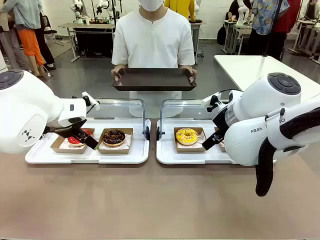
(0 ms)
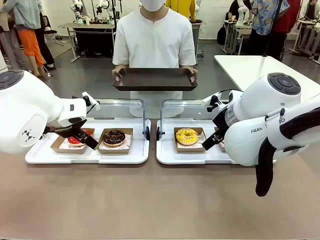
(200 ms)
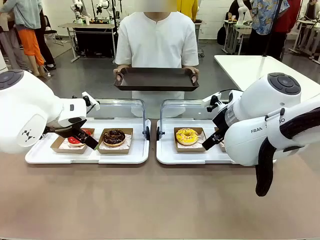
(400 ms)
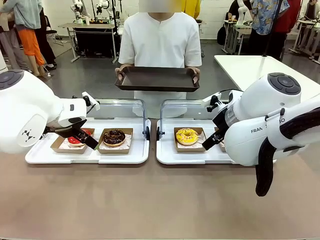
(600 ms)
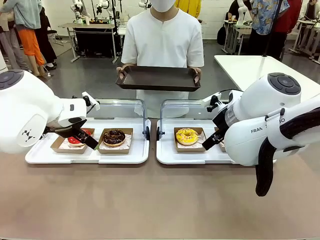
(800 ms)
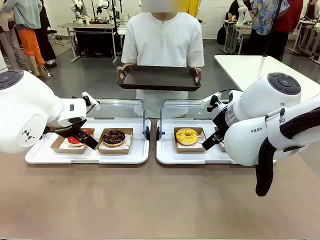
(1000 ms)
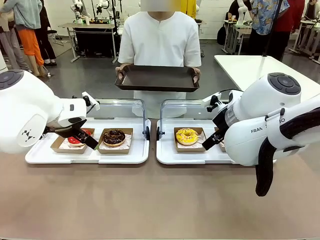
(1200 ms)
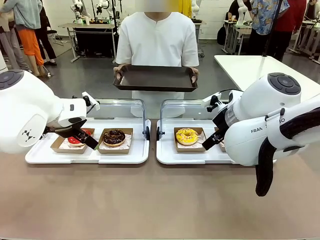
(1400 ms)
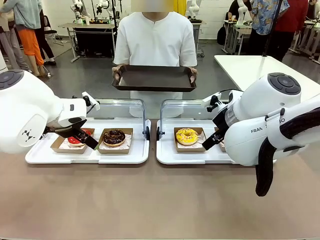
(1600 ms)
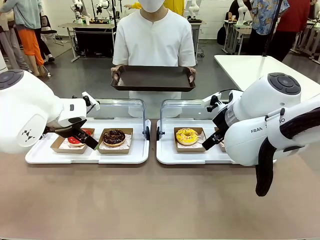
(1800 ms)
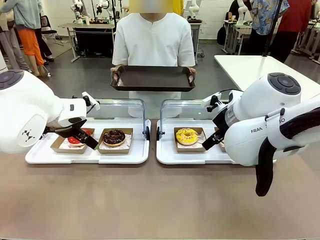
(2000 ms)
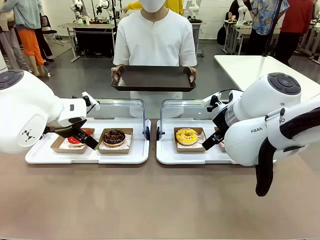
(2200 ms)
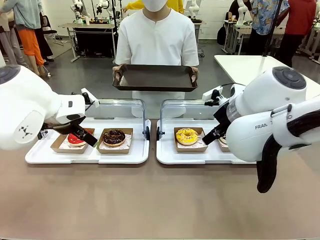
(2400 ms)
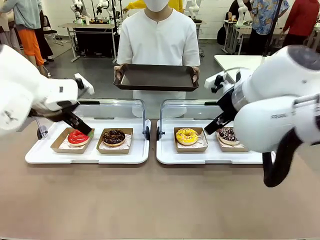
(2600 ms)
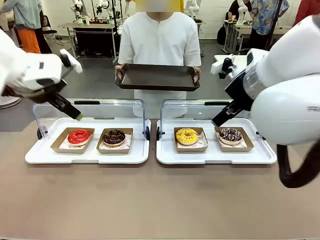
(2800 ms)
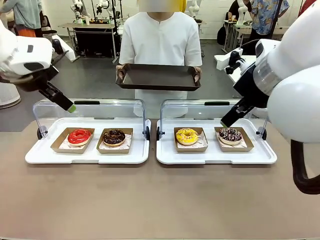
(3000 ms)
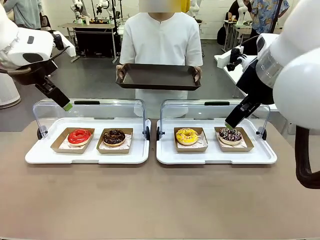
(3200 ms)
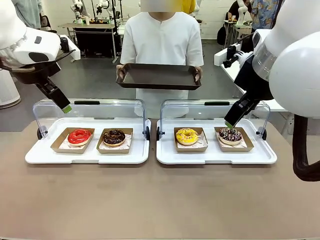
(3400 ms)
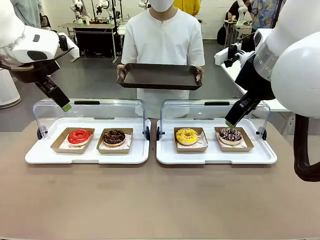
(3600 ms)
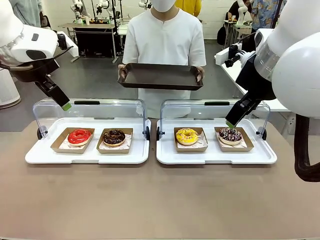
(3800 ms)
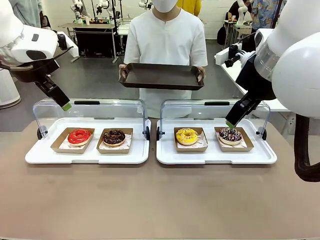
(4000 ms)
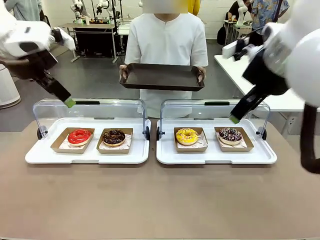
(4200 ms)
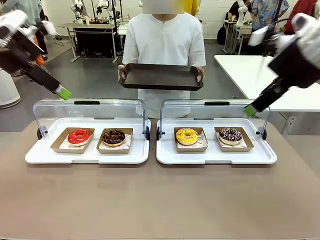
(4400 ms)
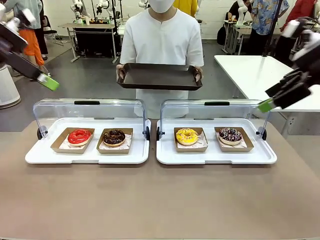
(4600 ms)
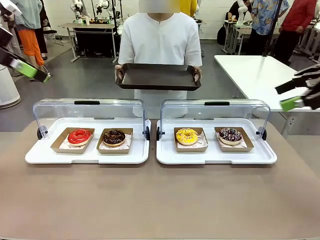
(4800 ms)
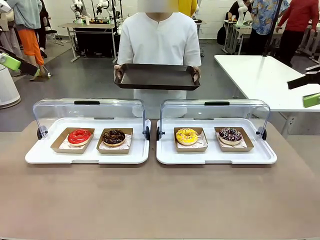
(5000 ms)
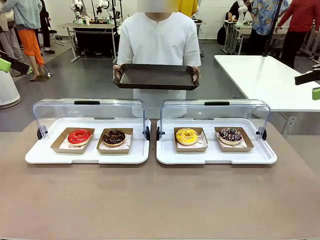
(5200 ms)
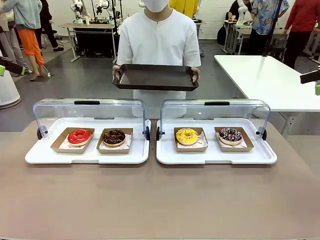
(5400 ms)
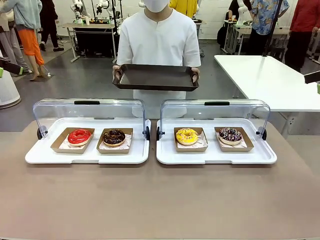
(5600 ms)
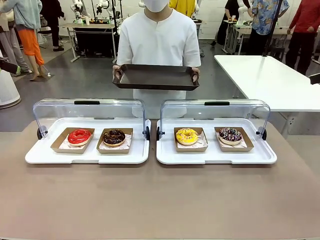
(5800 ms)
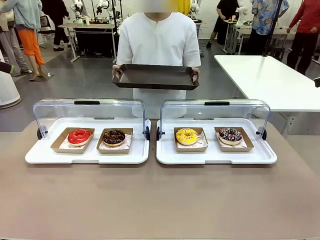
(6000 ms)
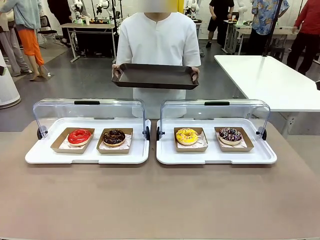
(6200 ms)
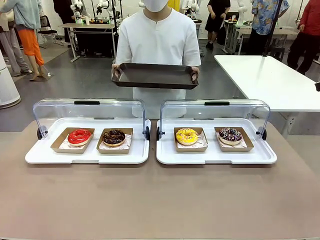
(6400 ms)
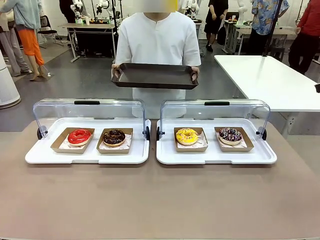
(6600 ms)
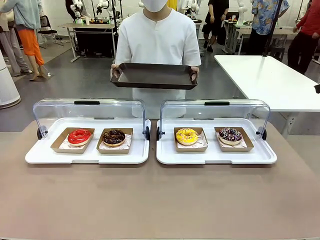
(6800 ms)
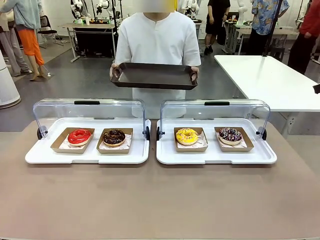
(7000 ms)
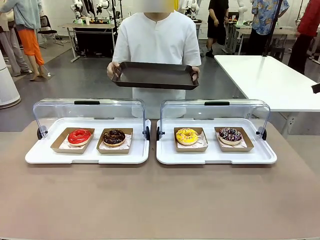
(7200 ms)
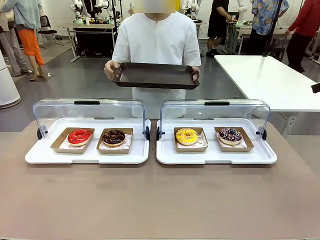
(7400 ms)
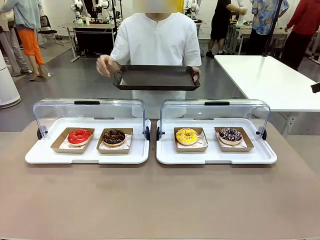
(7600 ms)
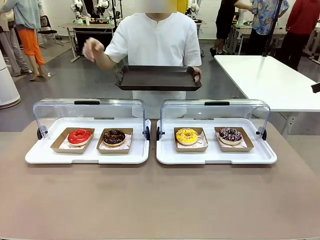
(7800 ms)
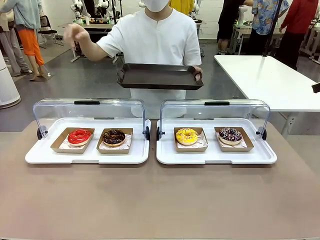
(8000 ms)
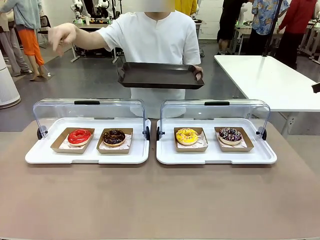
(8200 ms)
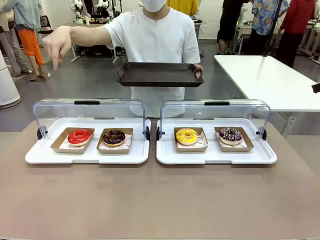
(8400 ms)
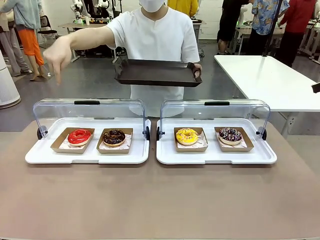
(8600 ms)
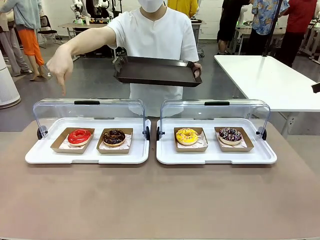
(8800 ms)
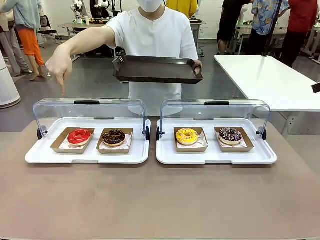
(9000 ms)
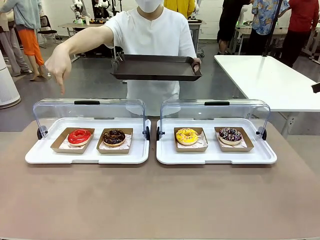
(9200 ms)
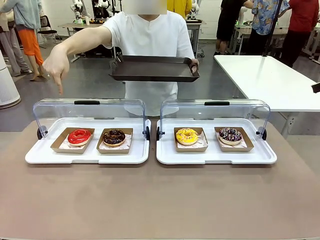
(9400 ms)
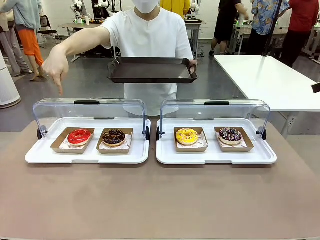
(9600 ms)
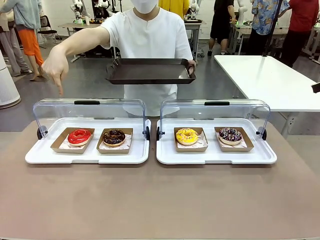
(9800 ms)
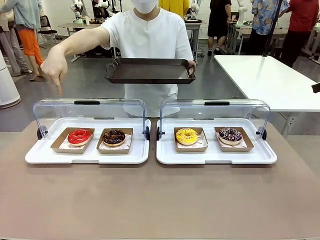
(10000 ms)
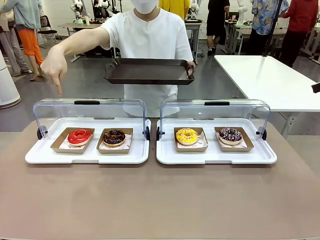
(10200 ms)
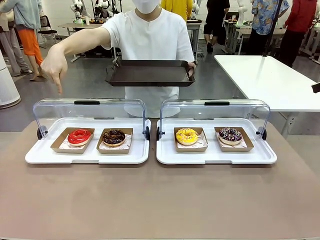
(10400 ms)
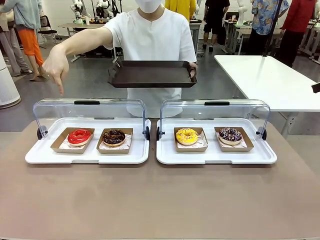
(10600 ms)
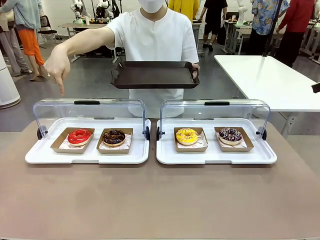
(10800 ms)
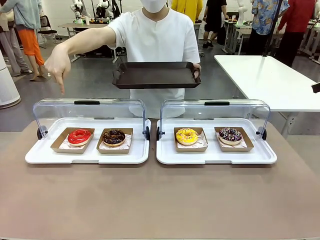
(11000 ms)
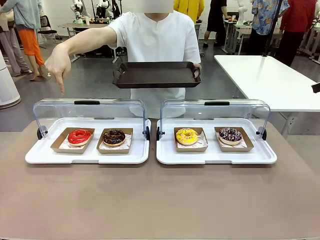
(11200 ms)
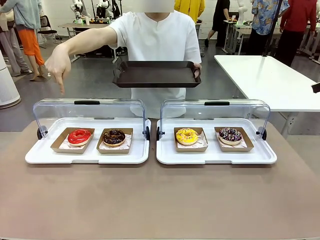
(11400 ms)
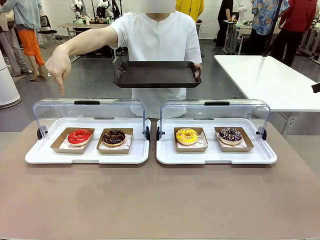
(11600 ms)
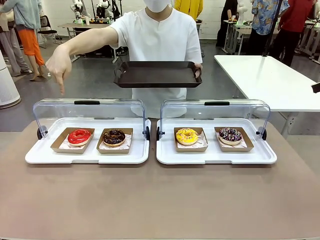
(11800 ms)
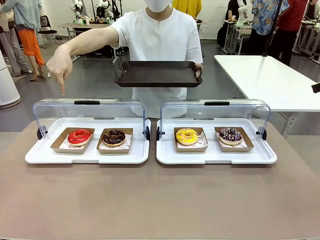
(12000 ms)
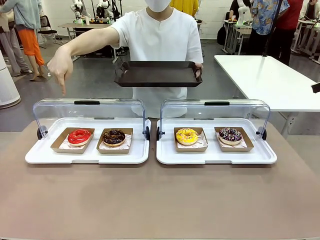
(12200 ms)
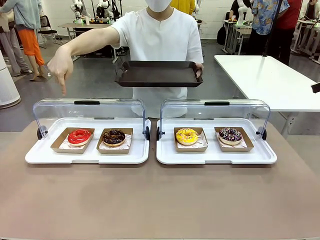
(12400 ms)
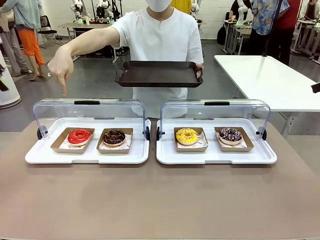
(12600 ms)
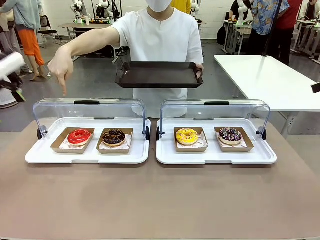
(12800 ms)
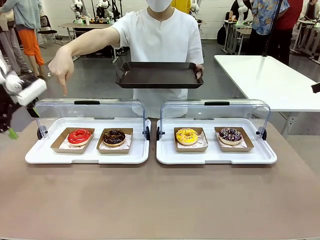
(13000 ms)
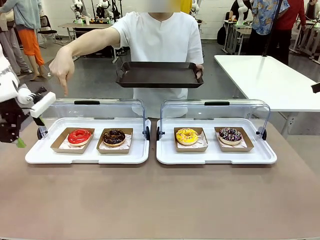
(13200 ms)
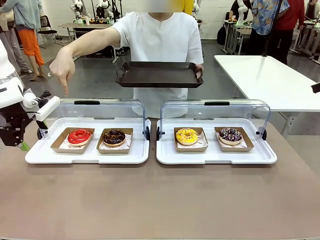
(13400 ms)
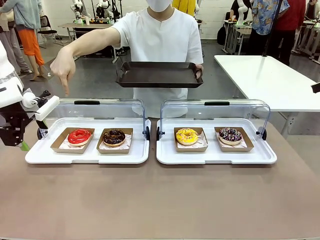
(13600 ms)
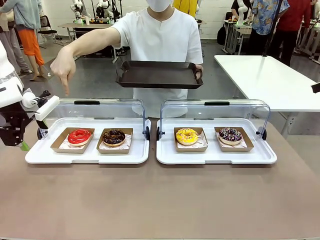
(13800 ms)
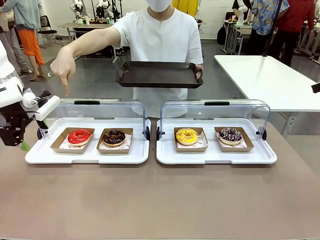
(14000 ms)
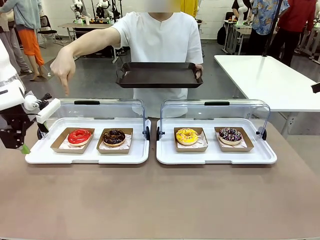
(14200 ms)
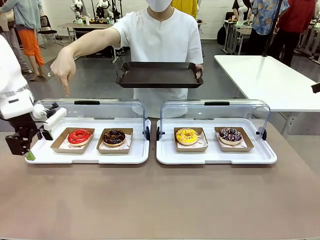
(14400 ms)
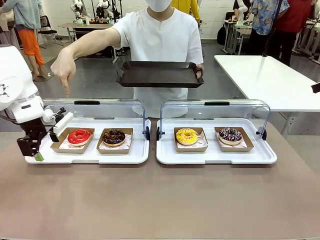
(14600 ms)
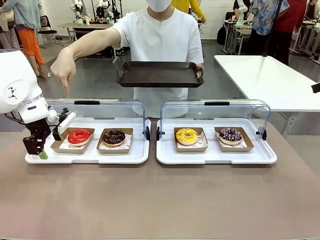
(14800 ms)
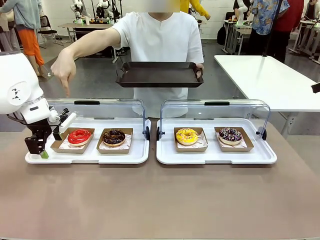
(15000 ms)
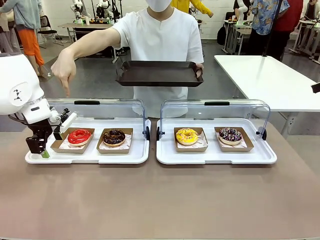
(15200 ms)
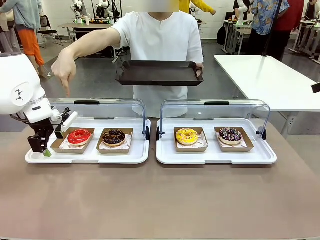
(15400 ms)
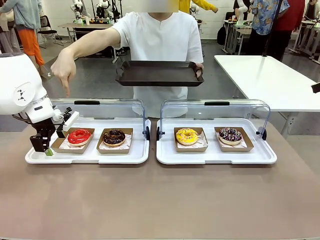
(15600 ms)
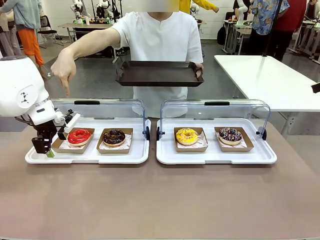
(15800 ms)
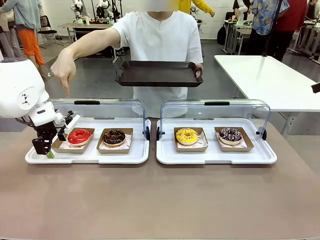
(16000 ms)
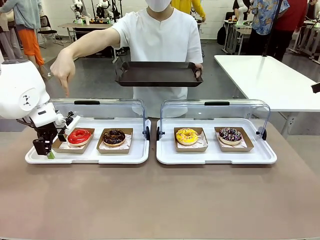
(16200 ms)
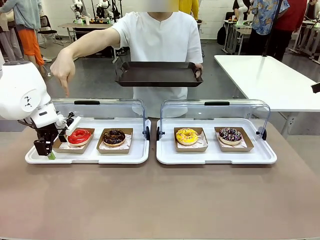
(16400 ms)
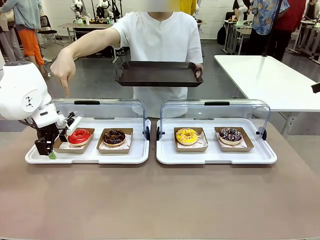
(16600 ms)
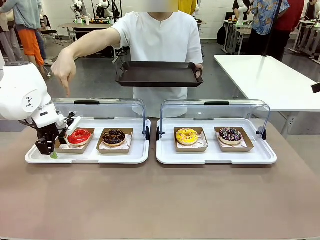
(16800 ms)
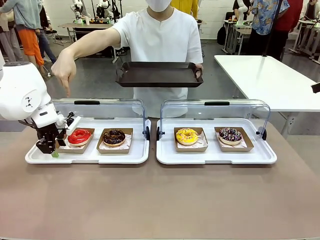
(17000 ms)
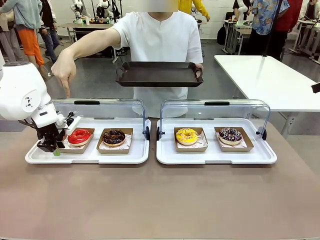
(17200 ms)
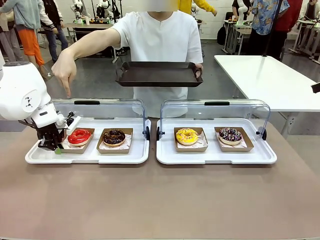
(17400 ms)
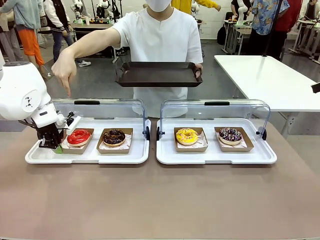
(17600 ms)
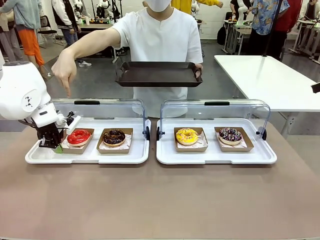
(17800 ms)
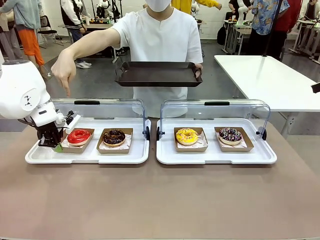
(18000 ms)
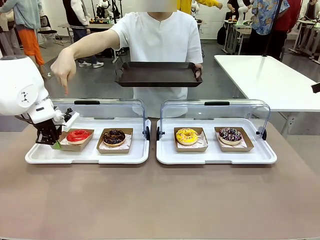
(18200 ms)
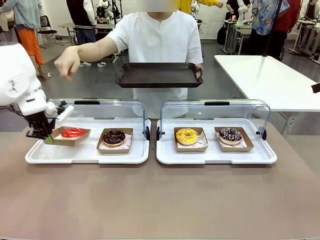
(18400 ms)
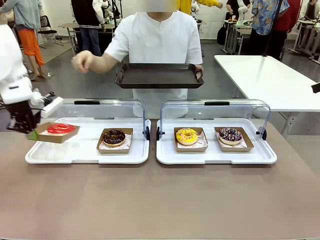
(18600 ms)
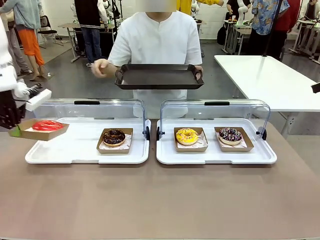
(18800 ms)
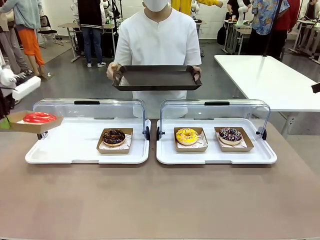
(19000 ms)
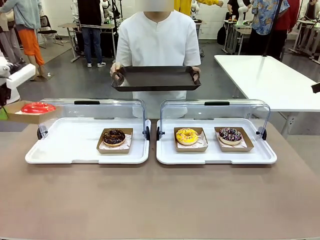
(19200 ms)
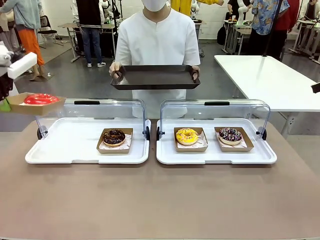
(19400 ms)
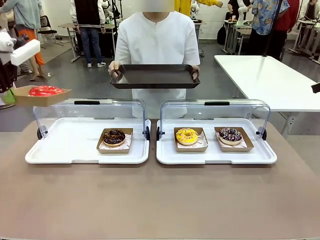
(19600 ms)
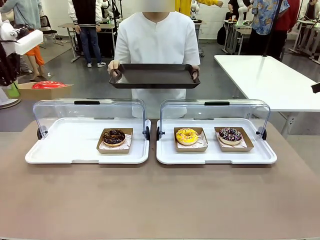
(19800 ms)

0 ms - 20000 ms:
Task: Provide the desired donut to the person.
Robot: Pick up and lift the Paper togo box containing the Donut pointed at by the person.
Person: Point to one donut. Lift the tray onto the Roll-Top Bakery Case.
